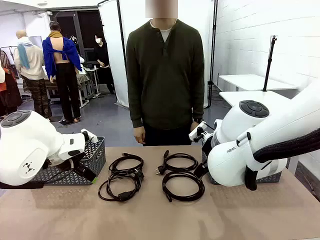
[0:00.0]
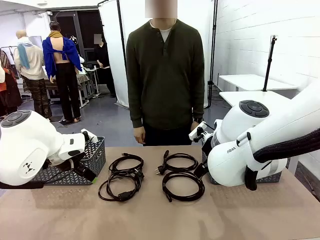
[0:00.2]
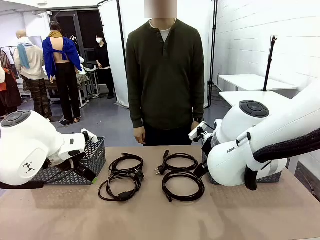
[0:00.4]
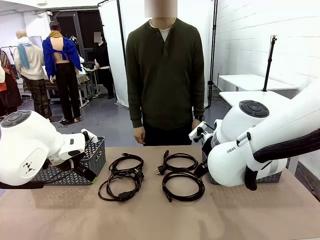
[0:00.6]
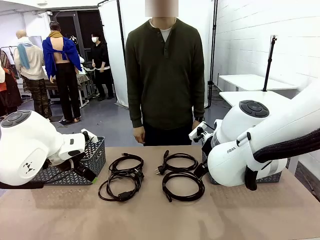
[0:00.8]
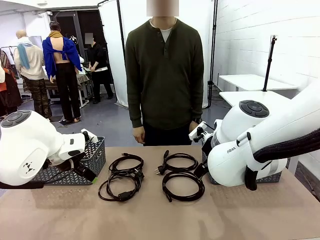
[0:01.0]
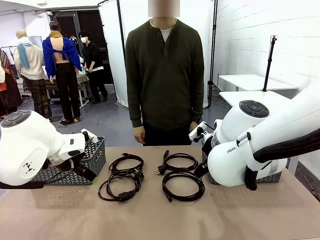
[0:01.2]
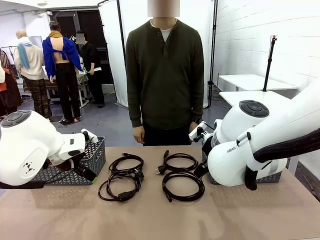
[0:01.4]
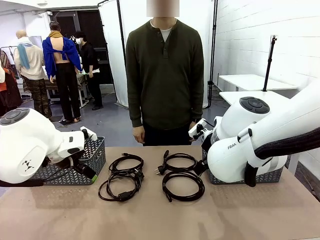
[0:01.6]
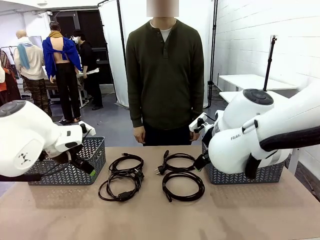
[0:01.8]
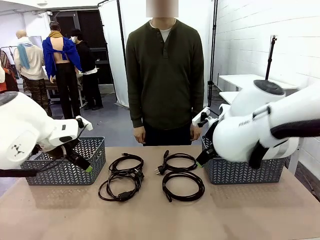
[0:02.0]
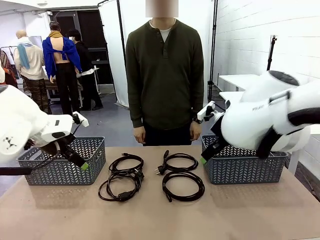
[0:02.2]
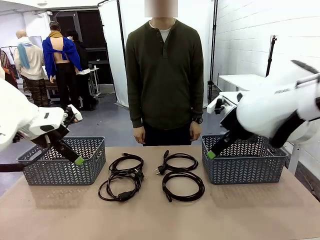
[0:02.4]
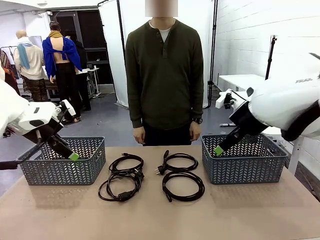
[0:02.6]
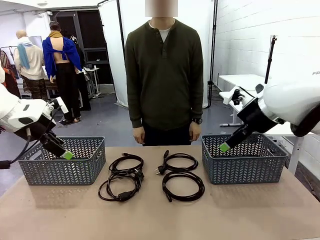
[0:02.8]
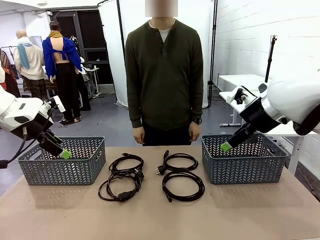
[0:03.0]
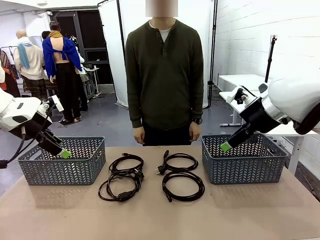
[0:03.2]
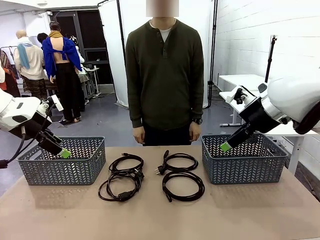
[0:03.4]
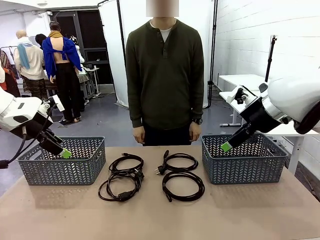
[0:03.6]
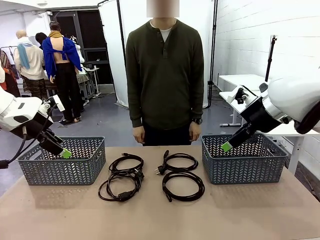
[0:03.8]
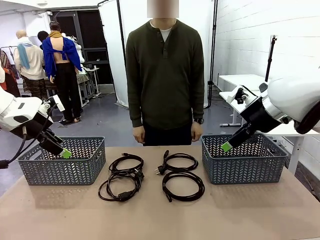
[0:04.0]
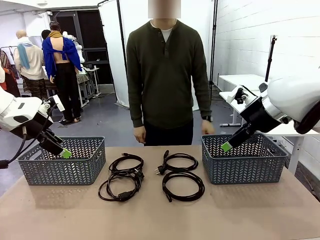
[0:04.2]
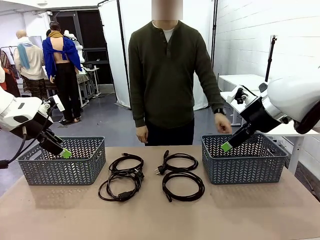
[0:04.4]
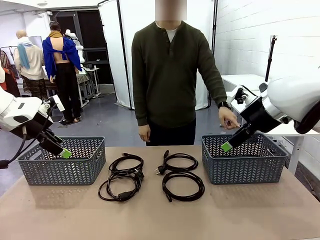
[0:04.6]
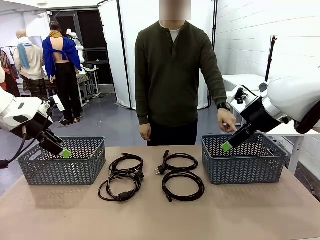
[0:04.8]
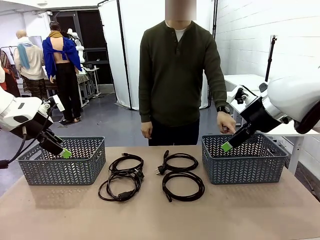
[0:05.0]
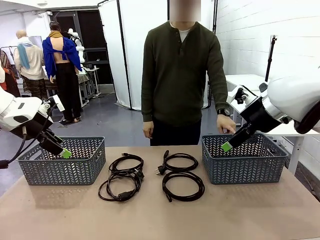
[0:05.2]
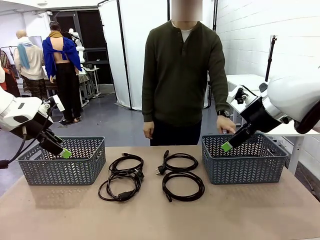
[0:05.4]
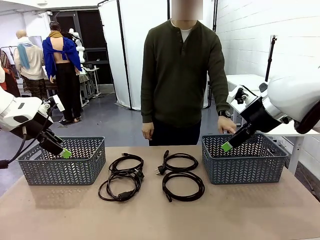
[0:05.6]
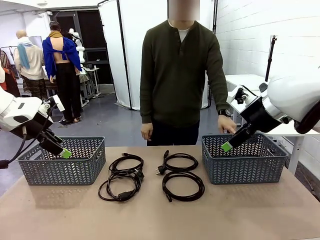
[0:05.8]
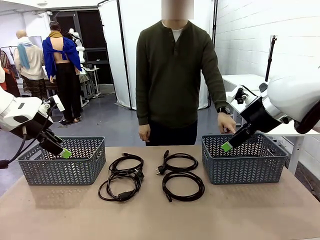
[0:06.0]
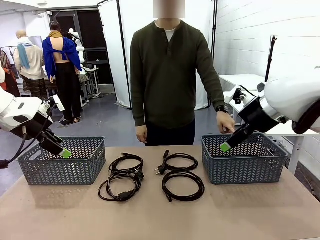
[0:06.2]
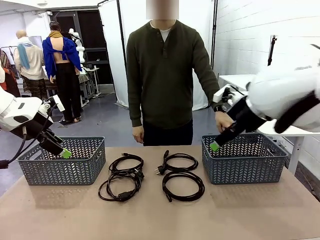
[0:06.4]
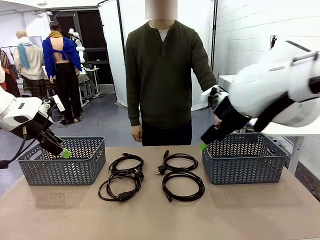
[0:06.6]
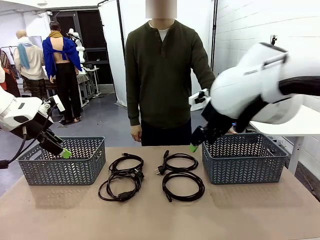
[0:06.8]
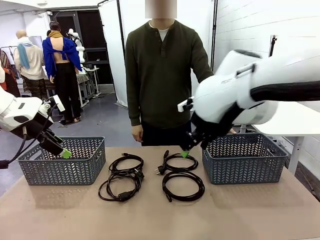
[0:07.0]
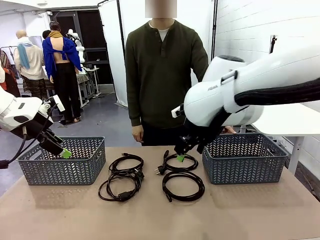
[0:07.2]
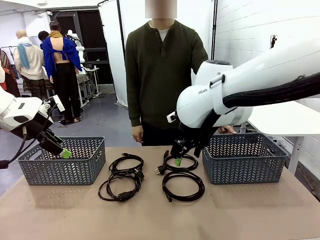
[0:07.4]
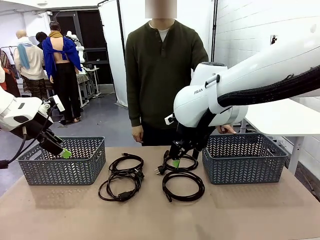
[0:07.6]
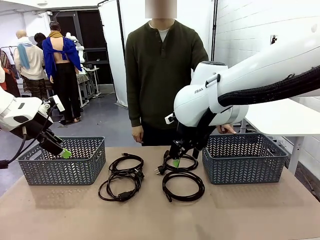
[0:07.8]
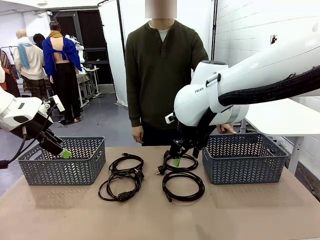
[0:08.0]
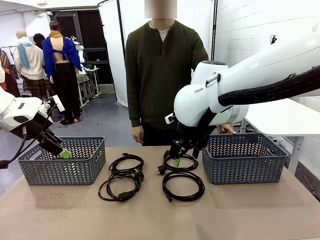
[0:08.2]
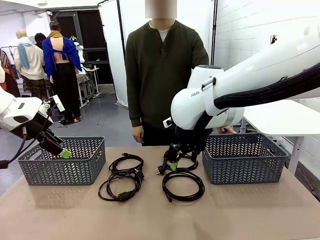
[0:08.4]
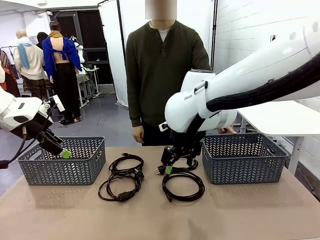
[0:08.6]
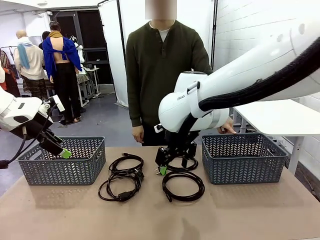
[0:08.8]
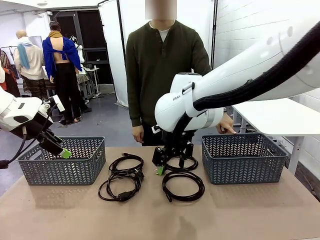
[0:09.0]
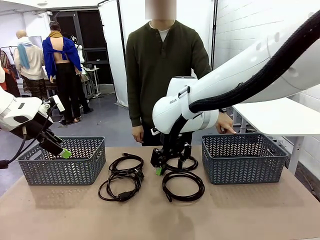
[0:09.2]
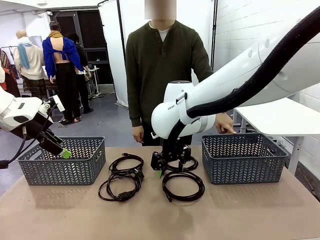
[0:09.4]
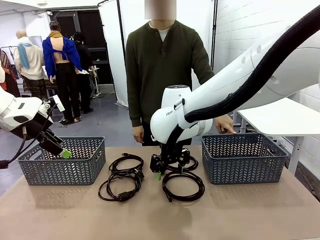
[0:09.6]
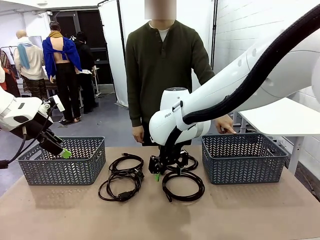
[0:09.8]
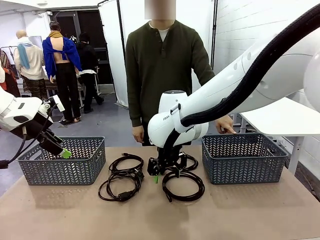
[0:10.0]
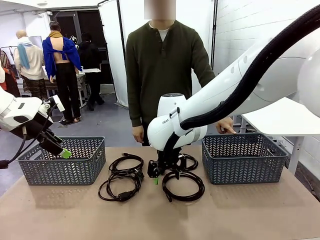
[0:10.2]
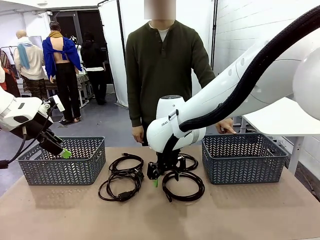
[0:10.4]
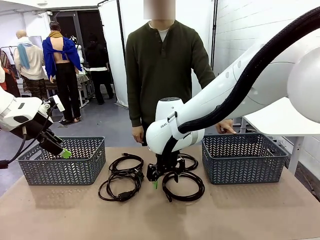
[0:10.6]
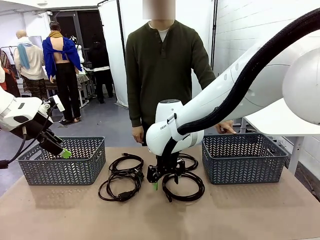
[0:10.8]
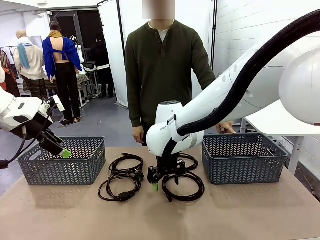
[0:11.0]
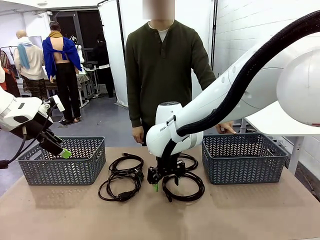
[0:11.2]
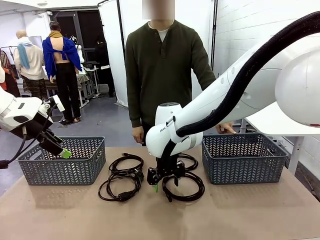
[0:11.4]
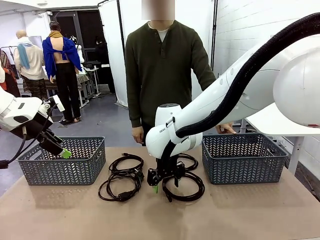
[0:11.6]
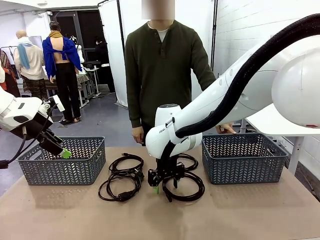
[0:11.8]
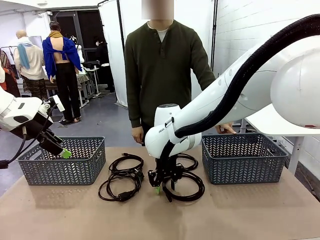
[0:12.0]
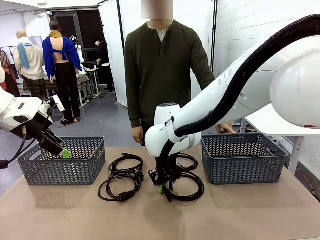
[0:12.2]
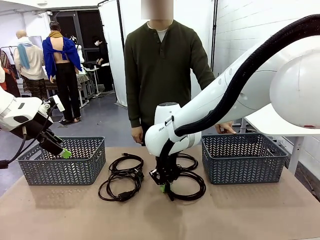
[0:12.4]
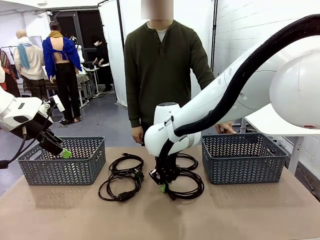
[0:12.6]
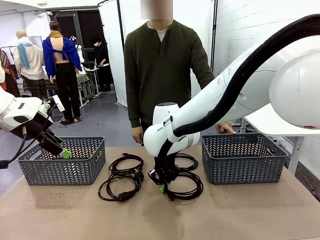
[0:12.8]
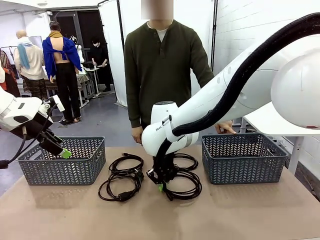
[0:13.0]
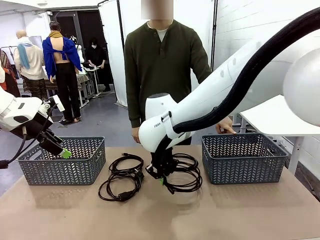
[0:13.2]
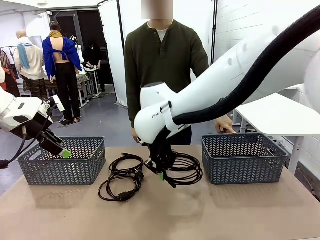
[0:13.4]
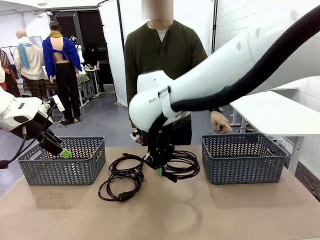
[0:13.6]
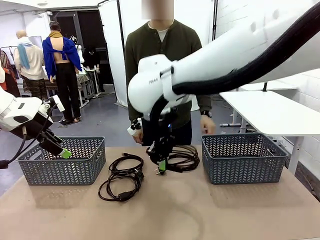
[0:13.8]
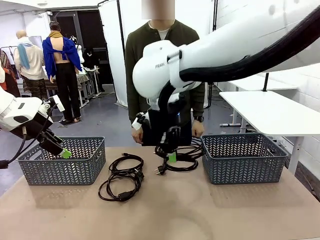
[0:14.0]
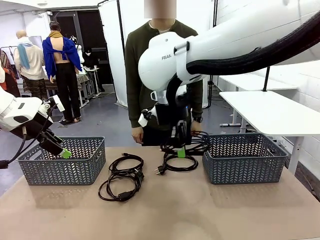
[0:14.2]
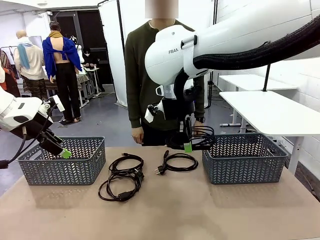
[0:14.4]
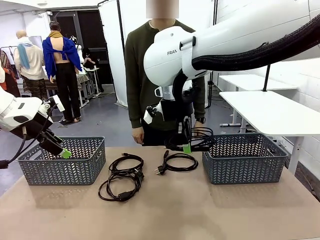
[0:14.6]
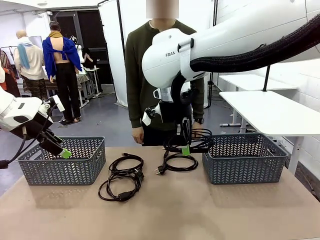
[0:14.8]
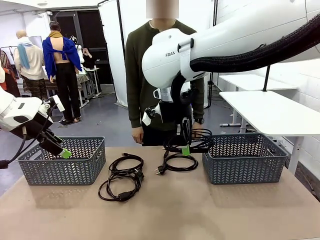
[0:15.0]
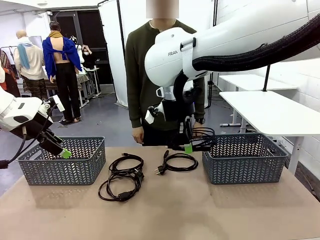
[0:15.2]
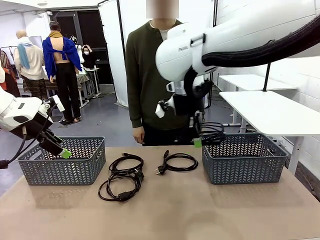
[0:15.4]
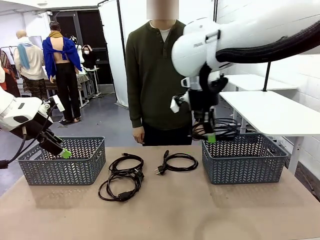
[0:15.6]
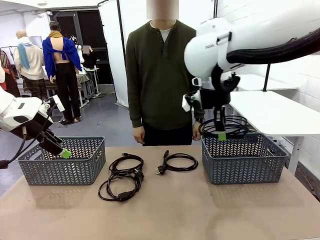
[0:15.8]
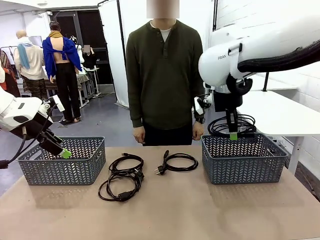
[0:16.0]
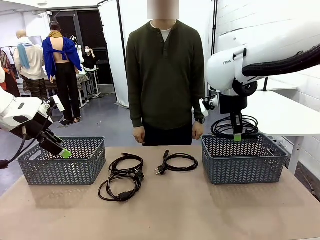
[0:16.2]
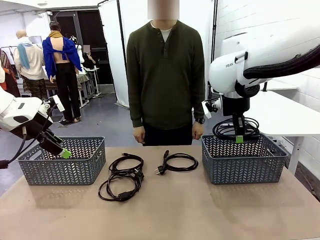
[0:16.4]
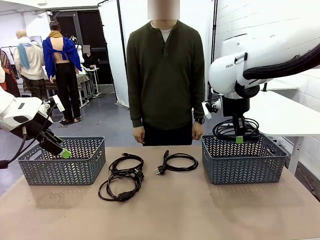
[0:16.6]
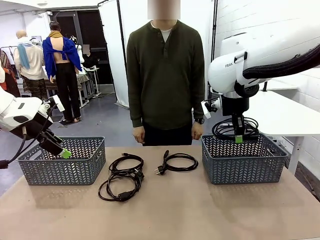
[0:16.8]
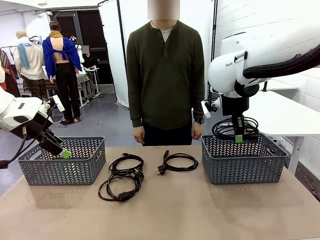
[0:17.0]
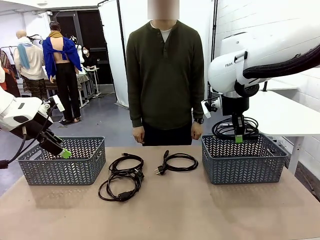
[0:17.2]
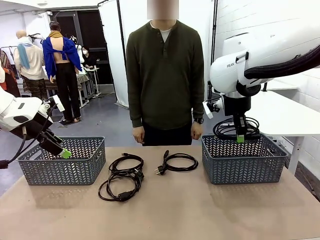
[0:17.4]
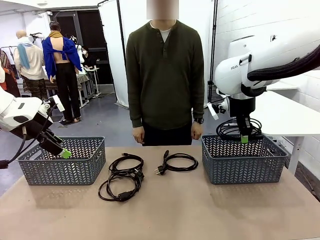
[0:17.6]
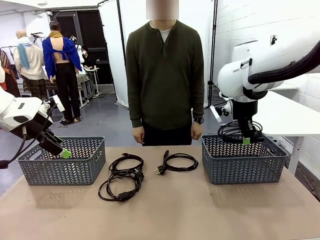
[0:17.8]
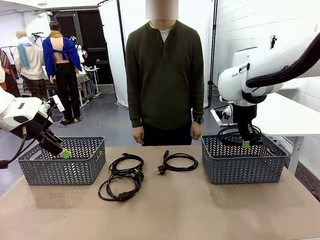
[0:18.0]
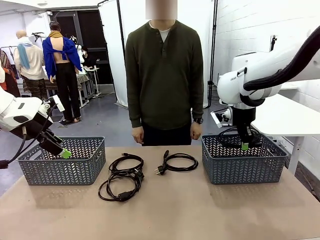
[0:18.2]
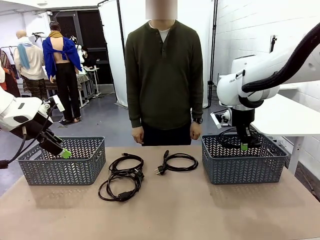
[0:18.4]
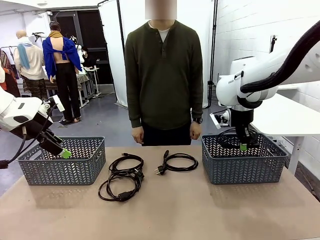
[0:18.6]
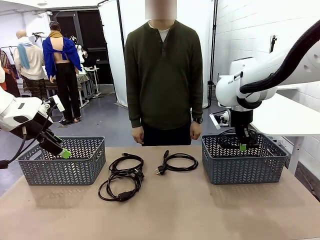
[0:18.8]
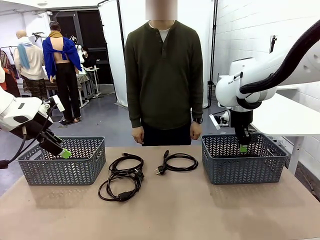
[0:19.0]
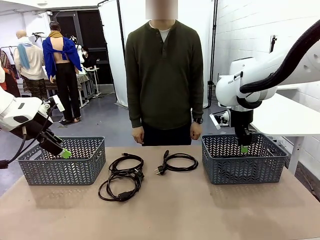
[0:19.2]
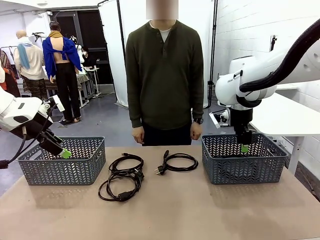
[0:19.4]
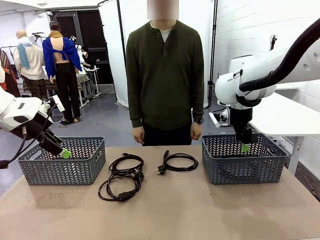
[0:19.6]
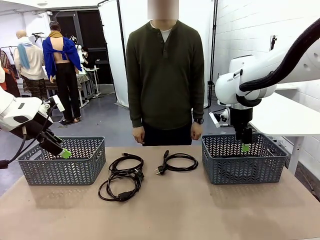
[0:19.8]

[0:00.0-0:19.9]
Task: Organize the cables according to human instructions.
Robot: Pick up a bundle of cables and place it in the basket indicated by the human.
